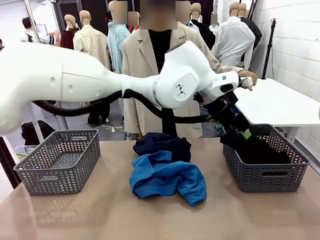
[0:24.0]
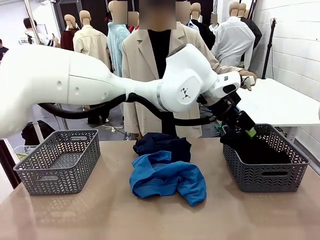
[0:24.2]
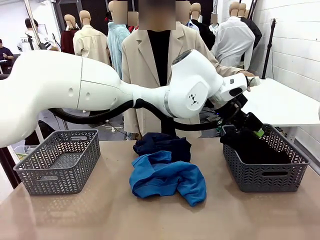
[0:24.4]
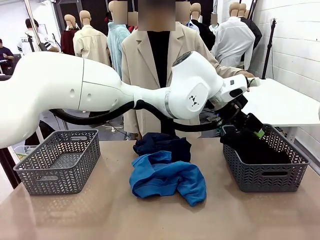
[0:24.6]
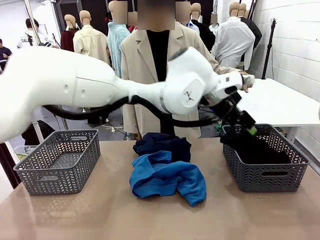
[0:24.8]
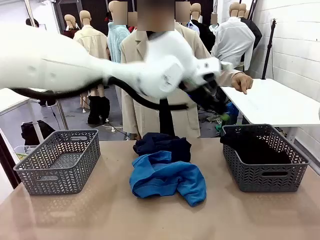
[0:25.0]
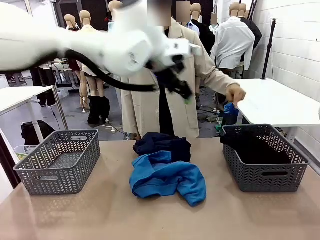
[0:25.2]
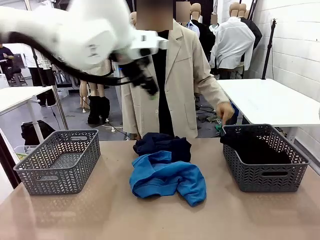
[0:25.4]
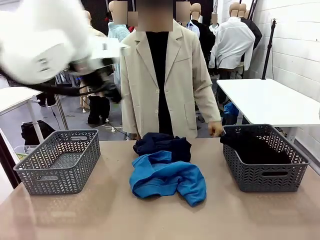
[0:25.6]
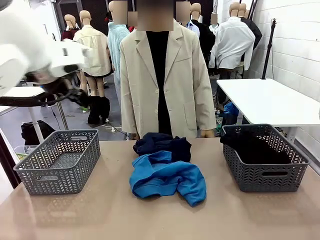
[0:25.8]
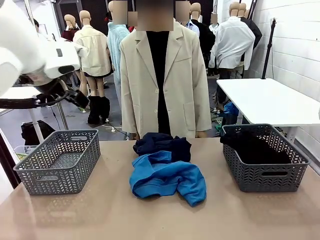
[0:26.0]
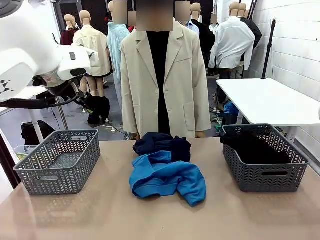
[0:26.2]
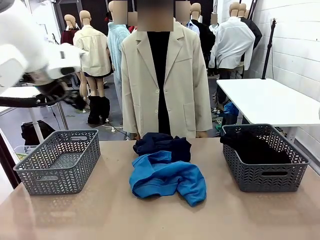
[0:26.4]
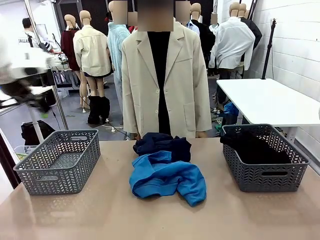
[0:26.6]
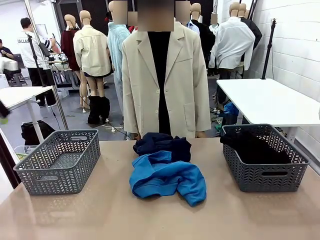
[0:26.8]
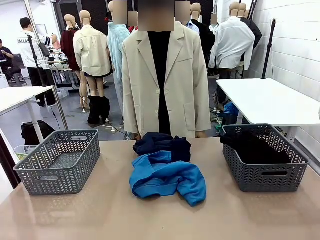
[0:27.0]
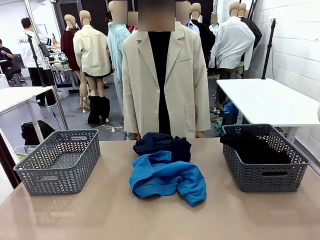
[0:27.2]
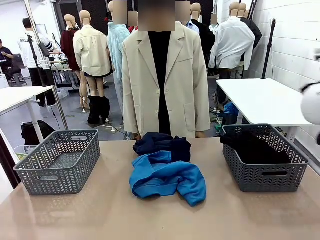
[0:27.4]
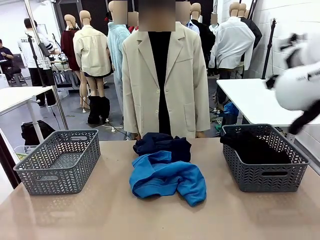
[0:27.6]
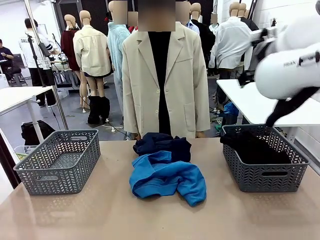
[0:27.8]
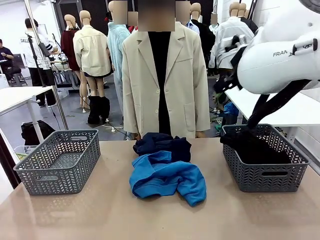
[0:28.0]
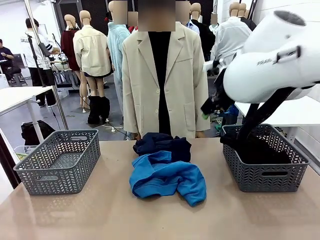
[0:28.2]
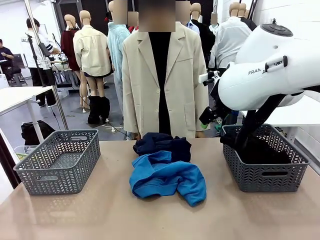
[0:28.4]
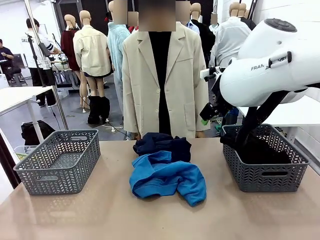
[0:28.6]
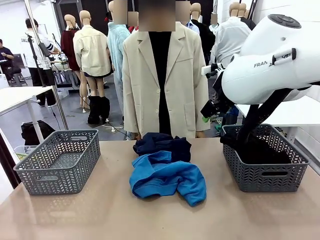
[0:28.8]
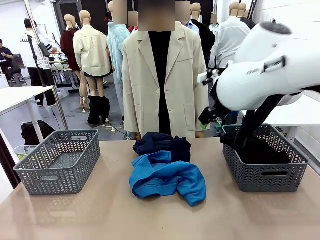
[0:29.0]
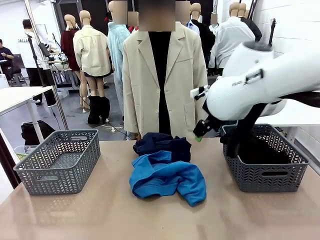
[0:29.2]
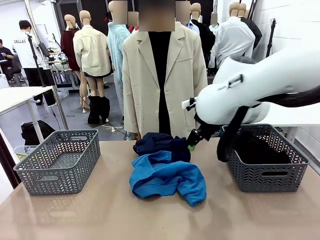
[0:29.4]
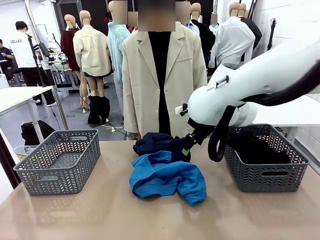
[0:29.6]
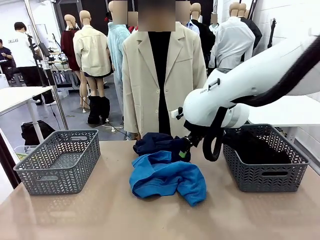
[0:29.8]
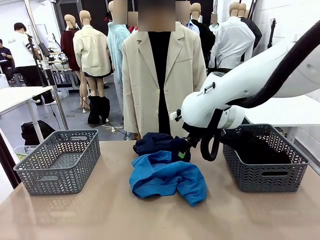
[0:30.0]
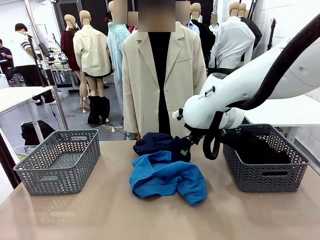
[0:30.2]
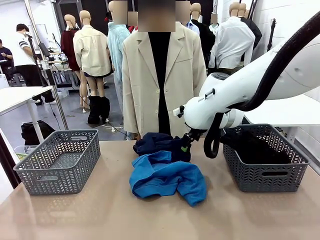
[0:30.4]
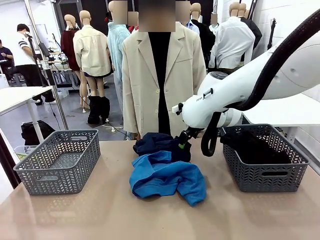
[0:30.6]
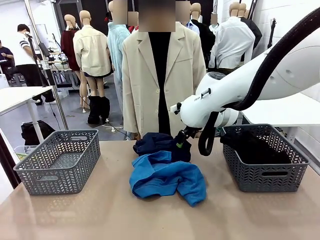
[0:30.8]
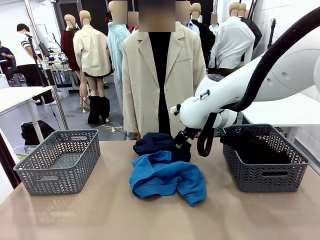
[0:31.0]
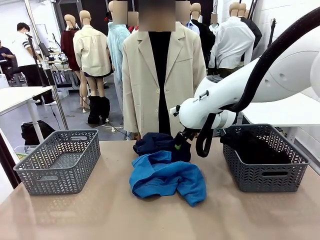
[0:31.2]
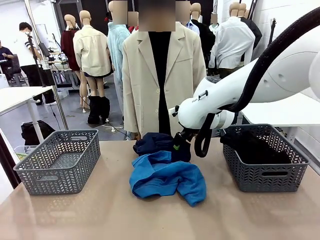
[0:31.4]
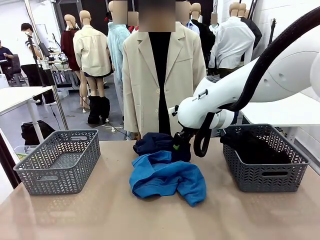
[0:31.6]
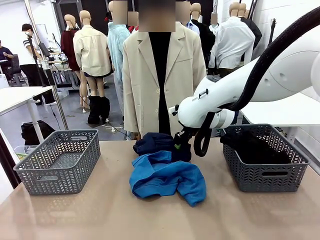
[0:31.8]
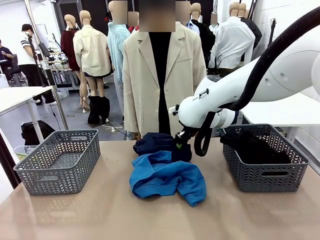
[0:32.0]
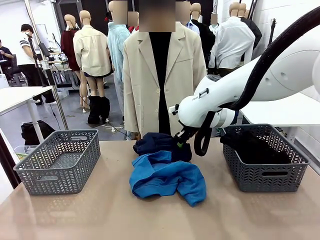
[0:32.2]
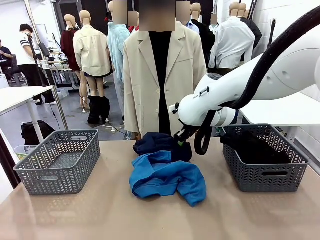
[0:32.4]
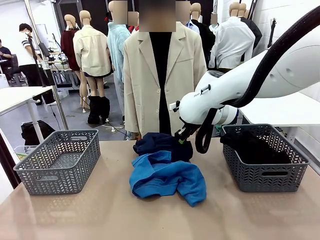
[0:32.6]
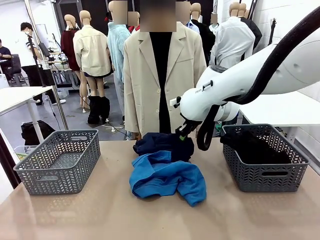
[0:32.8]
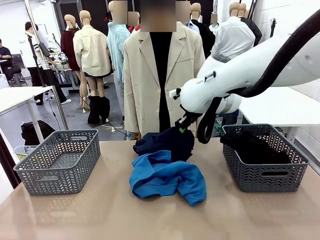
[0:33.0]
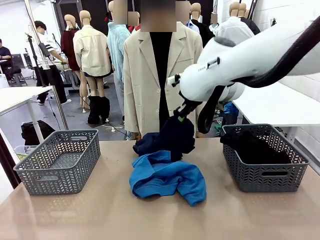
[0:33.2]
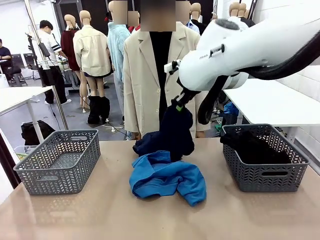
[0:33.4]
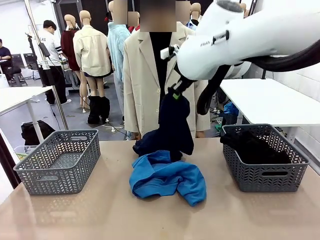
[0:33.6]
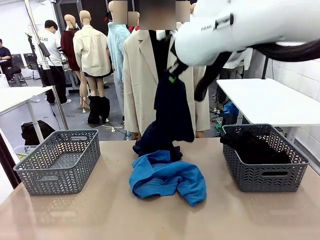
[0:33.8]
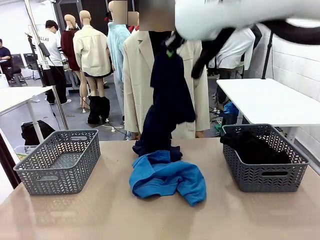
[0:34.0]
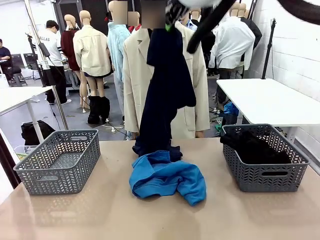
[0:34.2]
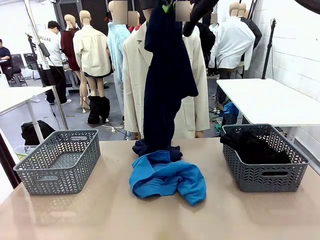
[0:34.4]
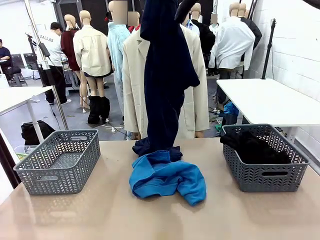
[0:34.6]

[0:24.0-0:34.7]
Task: Sort the tops and bottoms.
Robot: Lift clothes from the center of the table with your right hand.

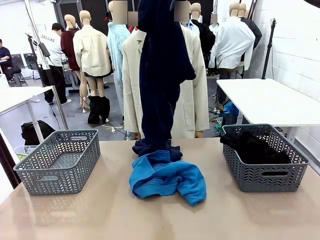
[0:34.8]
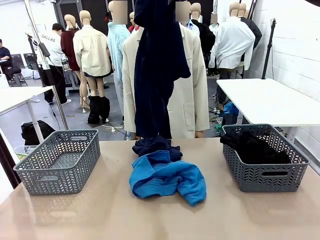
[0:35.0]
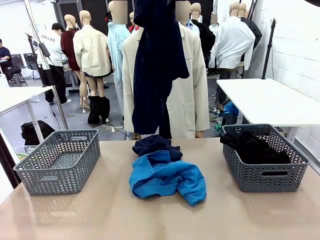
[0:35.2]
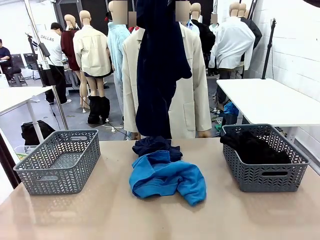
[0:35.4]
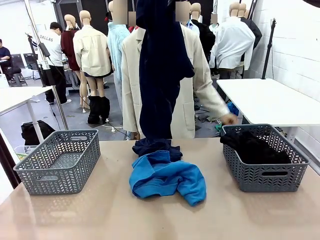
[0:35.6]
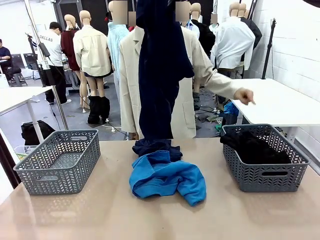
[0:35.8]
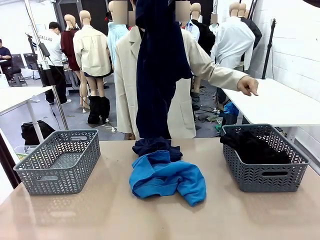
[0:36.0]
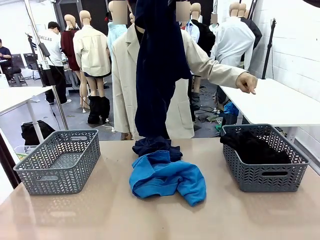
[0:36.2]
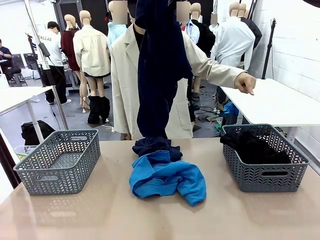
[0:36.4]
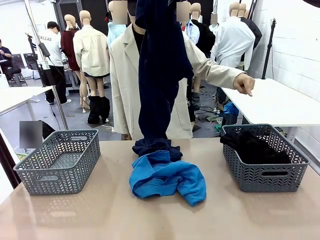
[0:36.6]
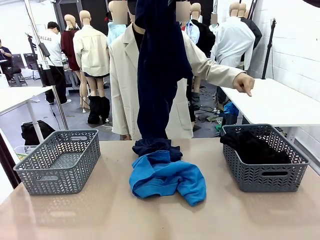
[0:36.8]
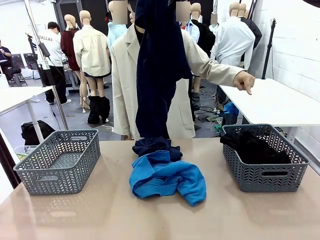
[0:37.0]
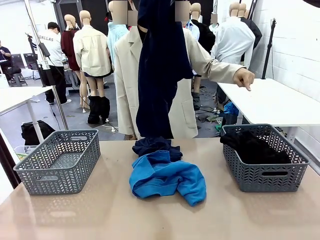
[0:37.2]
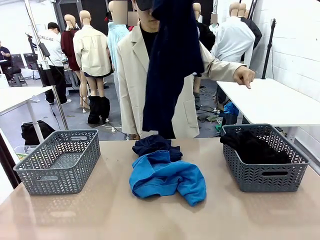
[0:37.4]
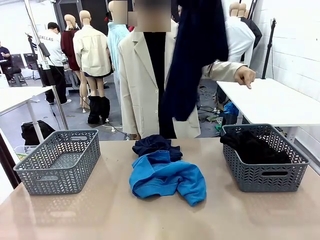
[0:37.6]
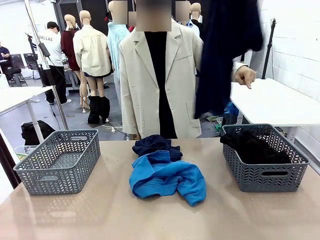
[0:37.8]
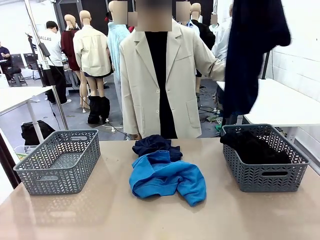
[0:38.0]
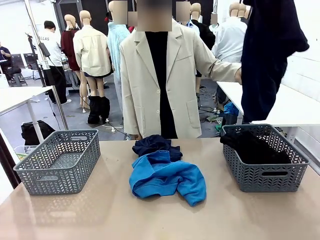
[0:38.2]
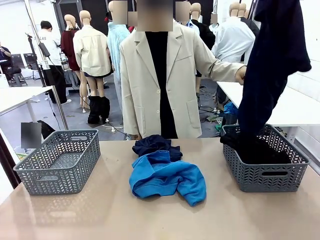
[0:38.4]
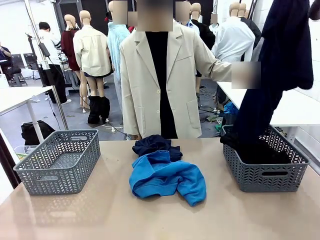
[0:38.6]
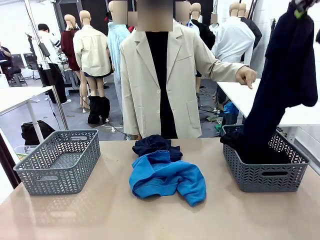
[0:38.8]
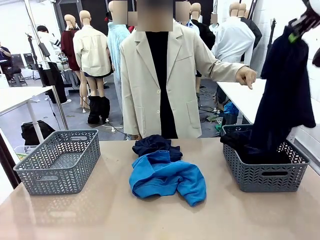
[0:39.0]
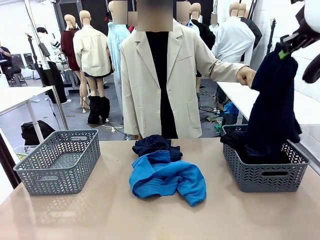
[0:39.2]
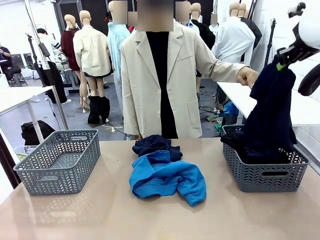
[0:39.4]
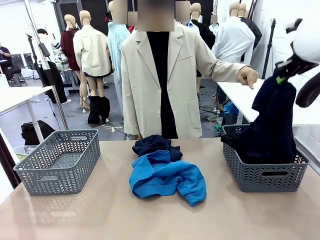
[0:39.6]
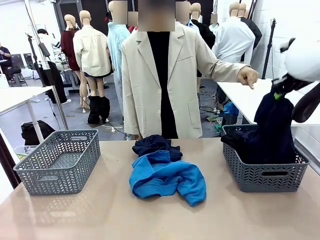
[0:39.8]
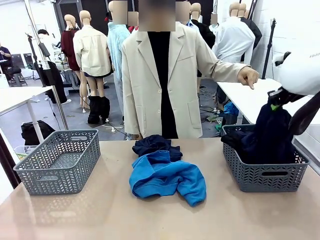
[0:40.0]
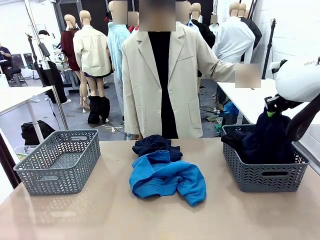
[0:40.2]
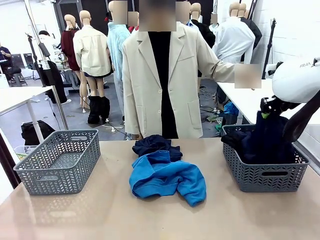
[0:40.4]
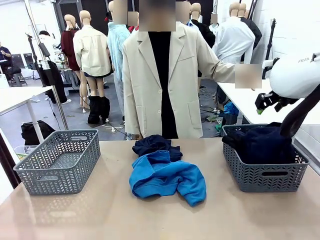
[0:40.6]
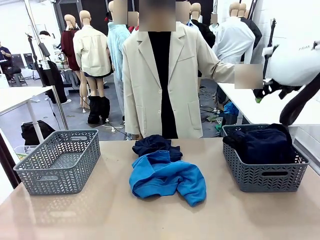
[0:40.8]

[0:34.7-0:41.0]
Robot: Sort the clothes according to human instructions.

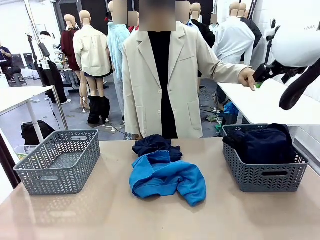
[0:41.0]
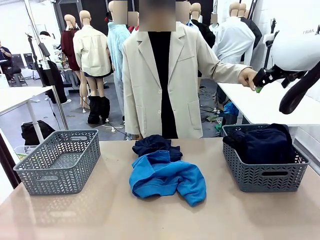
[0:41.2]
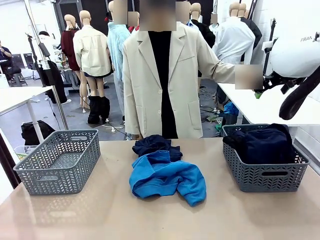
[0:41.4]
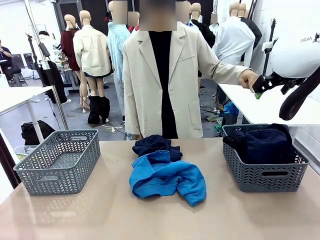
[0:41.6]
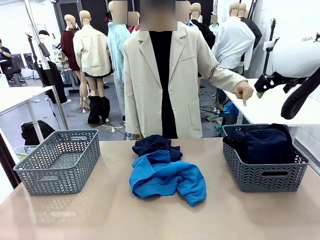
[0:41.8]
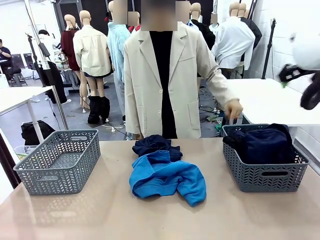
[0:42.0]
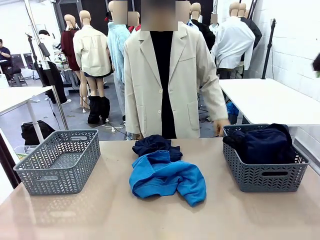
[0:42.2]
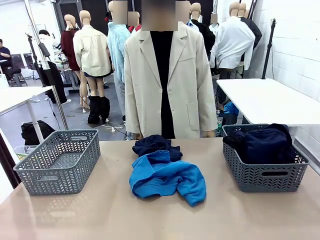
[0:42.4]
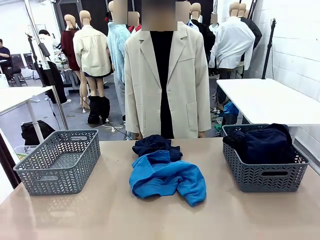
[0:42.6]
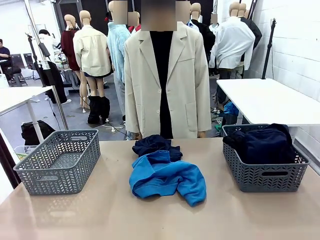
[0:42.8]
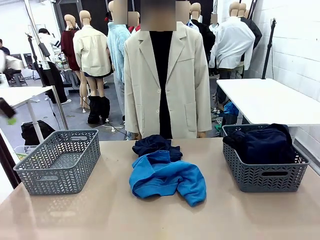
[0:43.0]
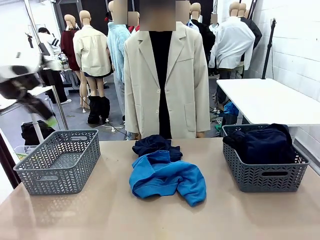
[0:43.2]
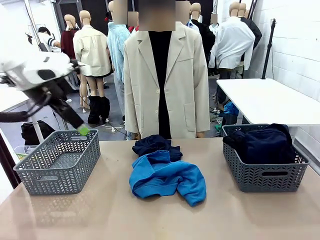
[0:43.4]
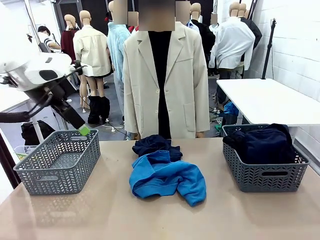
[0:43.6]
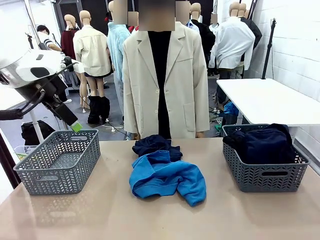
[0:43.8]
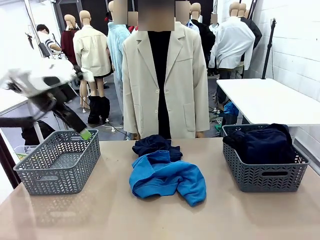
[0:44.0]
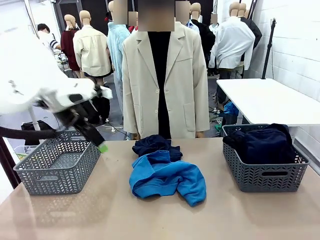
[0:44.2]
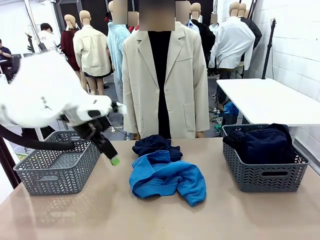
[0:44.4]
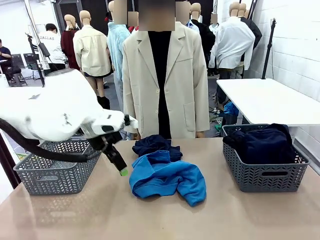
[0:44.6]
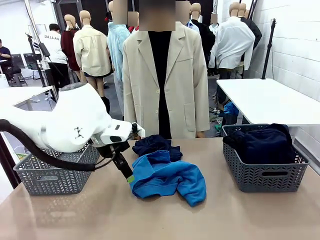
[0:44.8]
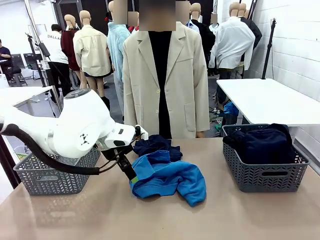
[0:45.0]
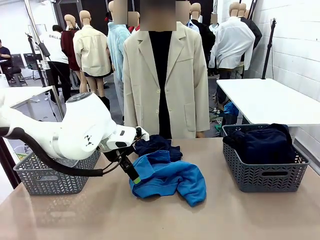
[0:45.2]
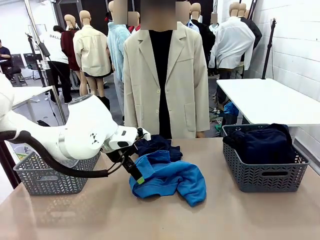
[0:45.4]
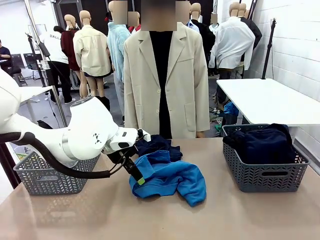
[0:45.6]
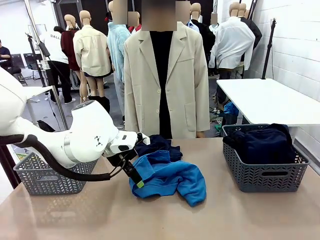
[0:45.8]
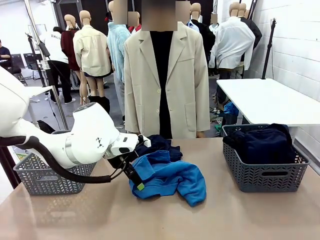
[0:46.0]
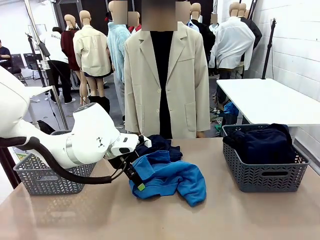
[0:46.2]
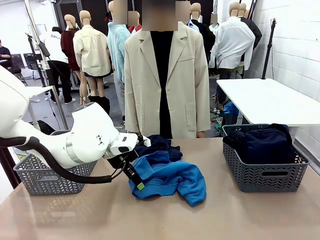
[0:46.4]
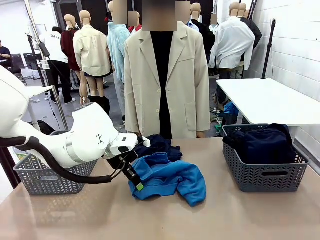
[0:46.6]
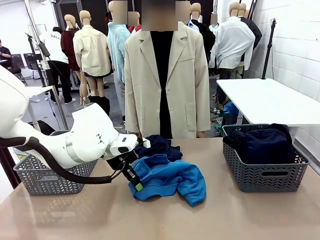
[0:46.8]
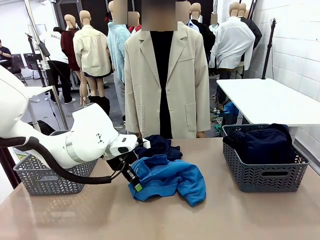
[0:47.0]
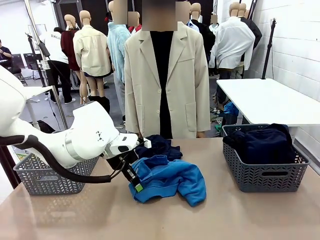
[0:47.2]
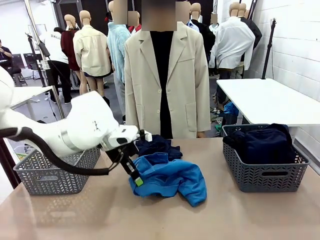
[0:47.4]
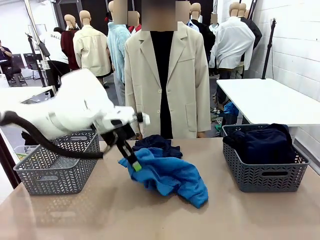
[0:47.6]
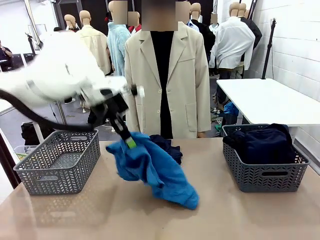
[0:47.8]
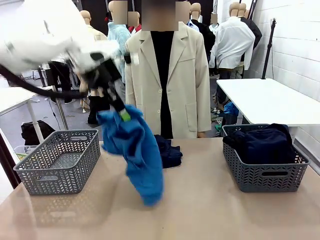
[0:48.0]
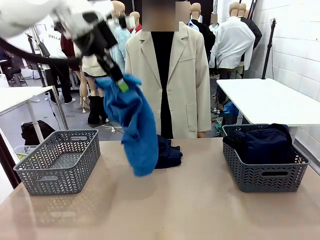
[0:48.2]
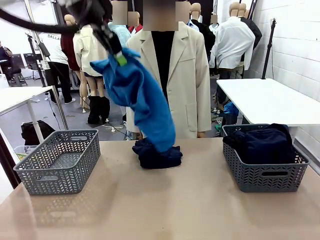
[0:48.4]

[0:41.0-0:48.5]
Robot: Lift clothes from the center of the table with your left hand.
